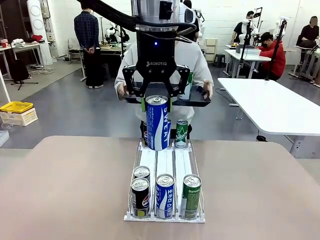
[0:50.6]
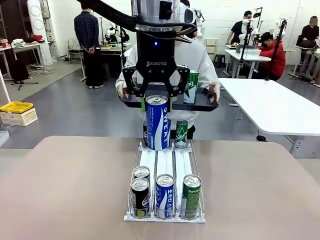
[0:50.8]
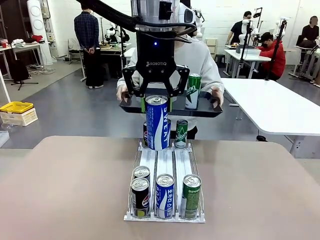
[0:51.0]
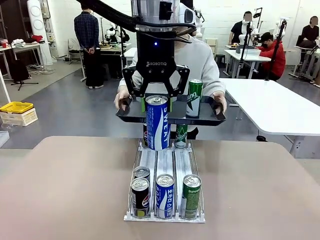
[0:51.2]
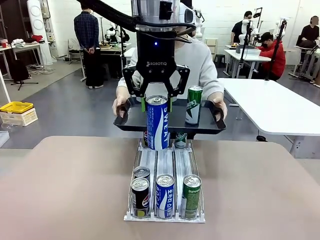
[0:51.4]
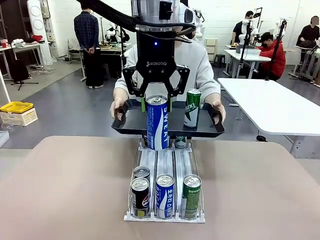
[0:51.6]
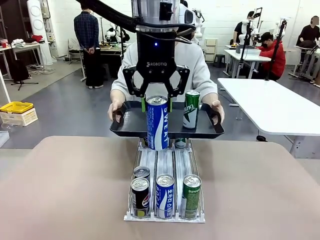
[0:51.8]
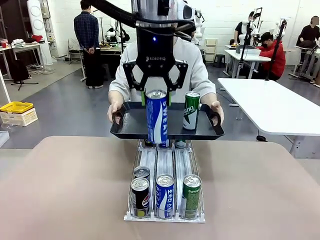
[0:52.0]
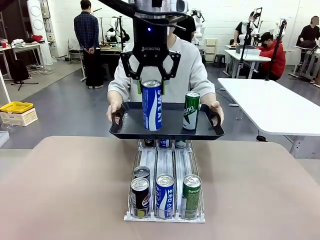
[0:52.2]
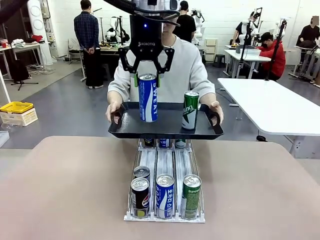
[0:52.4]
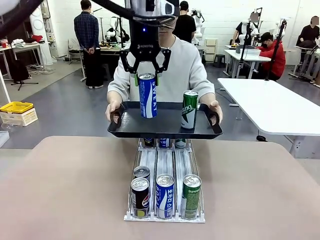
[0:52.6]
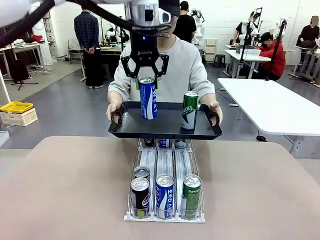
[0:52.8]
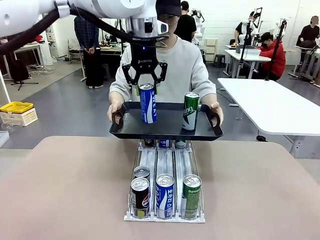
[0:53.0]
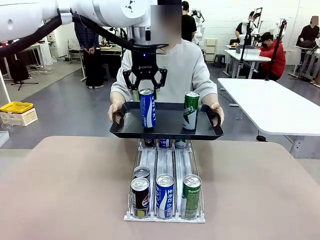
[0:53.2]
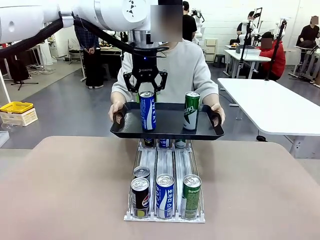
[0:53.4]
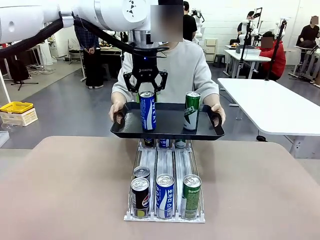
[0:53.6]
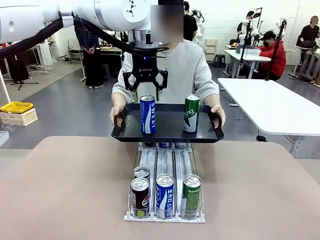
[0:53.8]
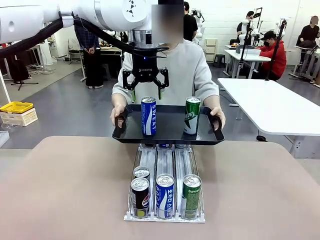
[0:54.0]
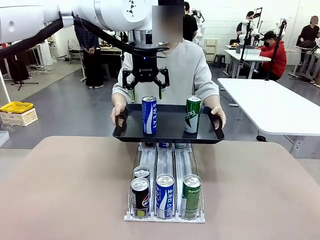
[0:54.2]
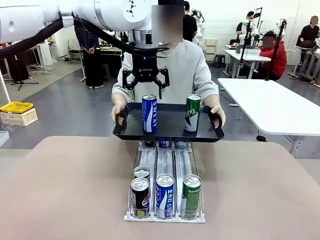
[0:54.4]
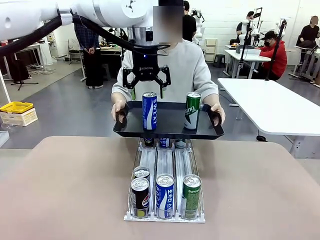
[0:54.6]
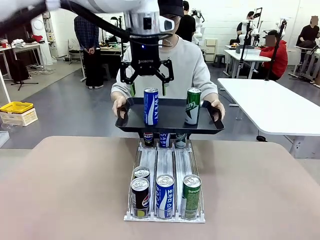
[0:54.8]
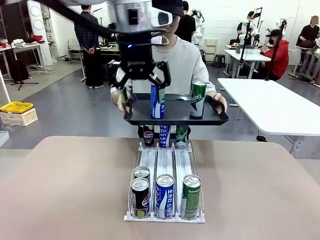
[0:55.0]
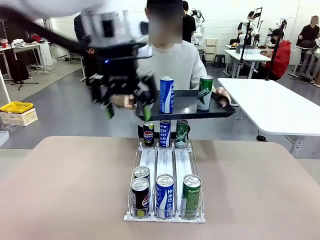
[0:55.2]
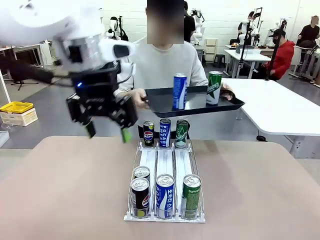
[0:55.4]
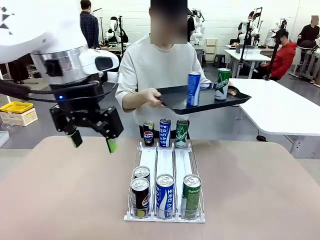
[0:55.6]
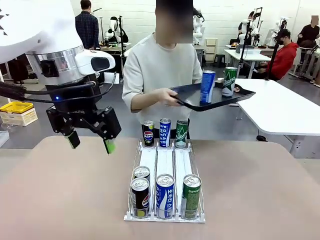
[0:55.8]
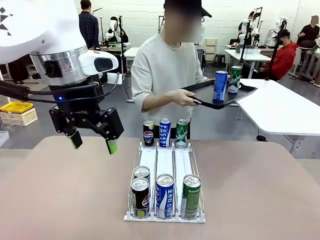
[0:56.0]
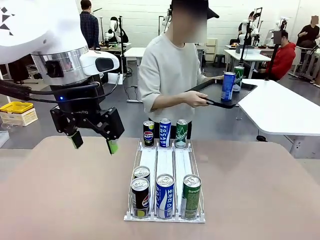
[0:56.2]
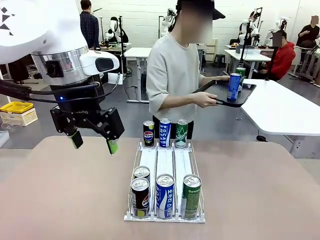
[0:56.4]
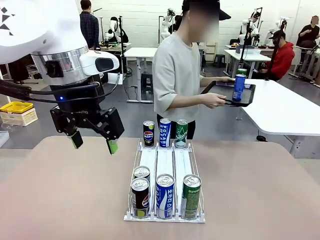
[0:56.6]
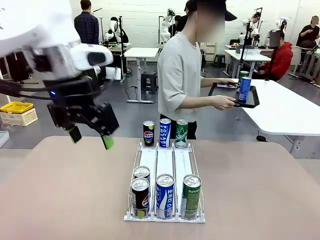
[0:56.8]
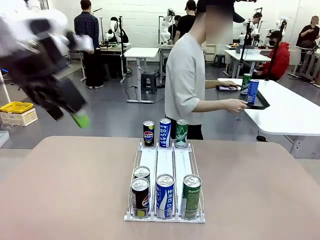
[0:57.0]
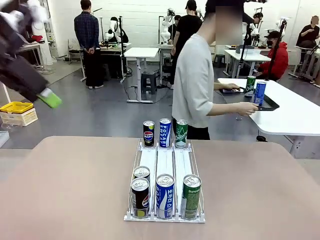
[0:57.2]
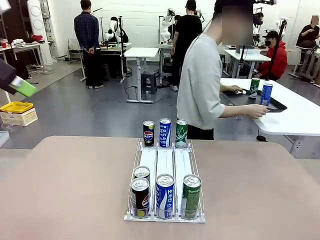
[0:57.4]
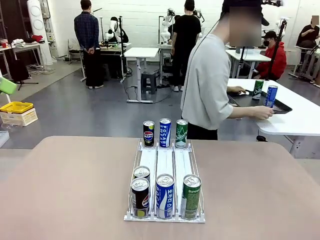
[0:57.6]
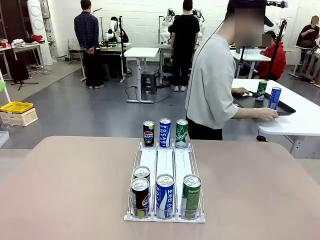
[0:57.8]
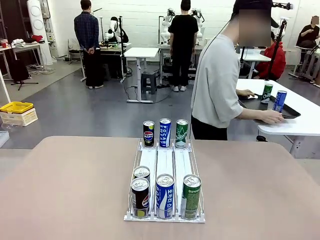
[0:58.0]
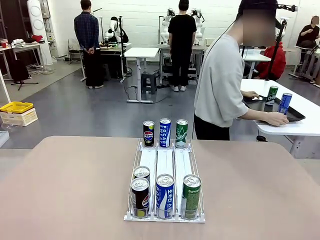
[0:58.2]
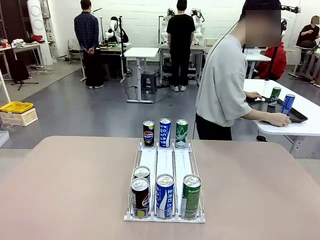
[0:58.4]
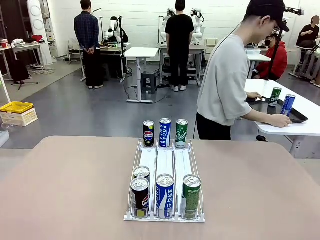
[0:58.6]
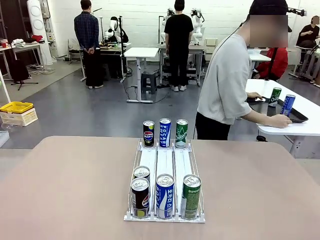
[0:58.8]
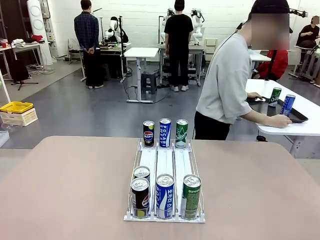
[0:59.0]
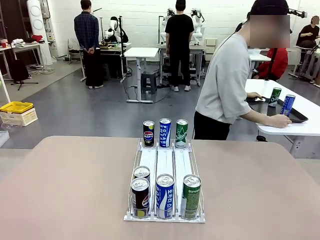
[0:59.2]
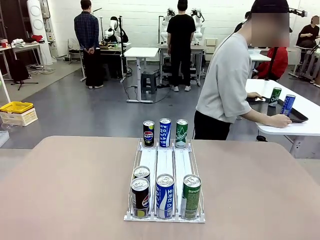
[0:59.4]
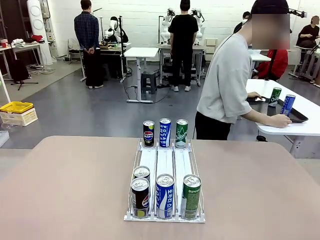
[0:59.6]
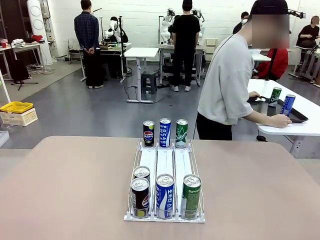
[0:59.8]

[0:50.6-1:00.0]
Task: Retrieve and hand over the desired beverage to the person.
Robot: Place the picked can on the Handle tray extended by the person.
Person: Pull the tray back and place it at the center of the human table.

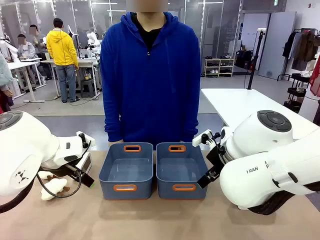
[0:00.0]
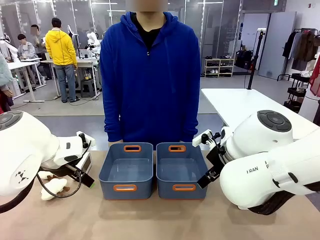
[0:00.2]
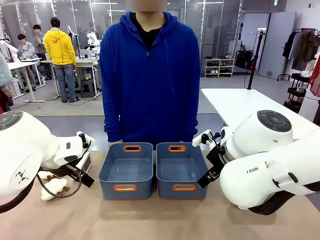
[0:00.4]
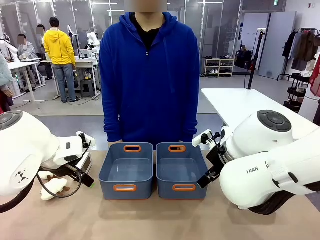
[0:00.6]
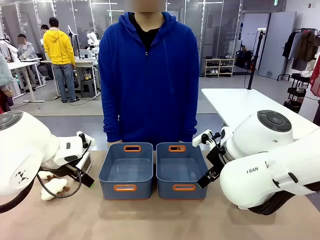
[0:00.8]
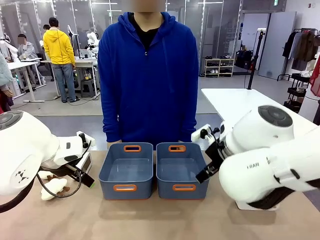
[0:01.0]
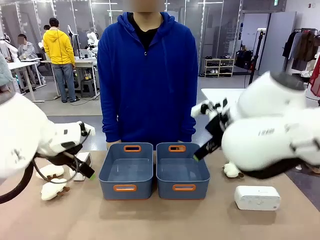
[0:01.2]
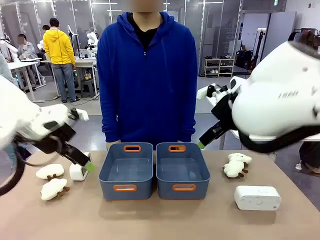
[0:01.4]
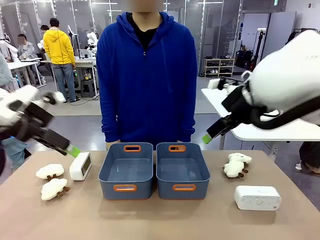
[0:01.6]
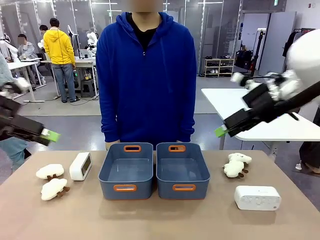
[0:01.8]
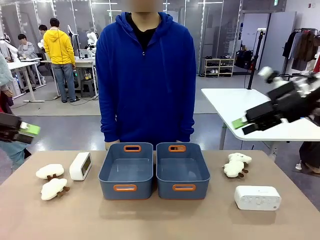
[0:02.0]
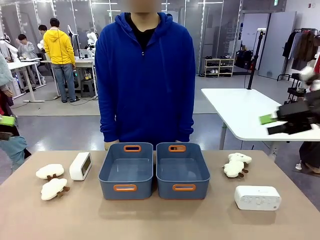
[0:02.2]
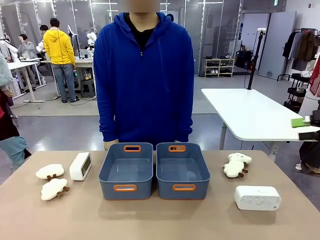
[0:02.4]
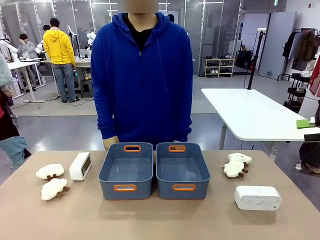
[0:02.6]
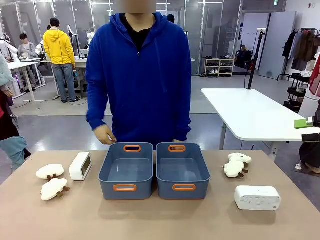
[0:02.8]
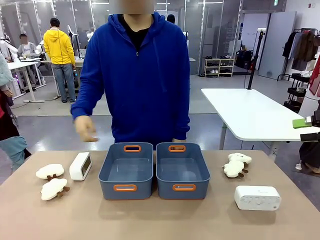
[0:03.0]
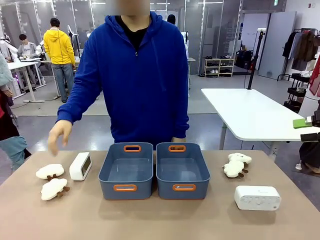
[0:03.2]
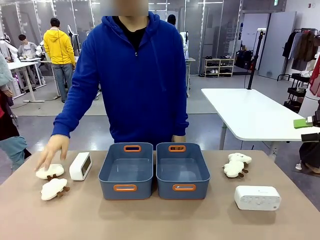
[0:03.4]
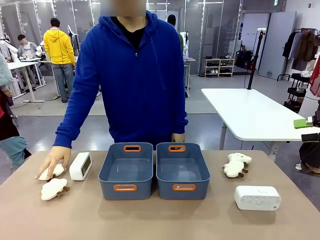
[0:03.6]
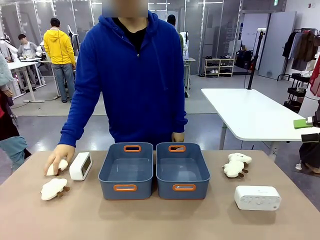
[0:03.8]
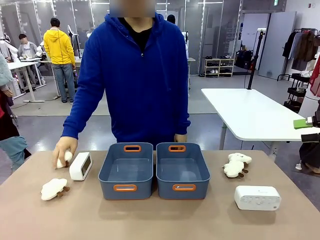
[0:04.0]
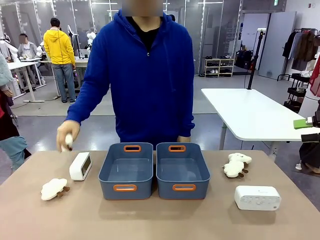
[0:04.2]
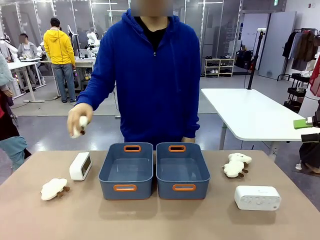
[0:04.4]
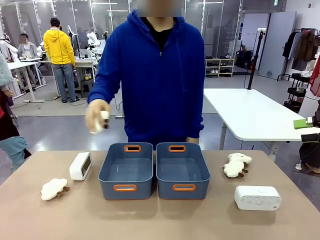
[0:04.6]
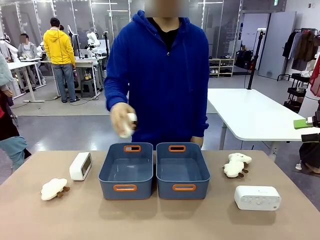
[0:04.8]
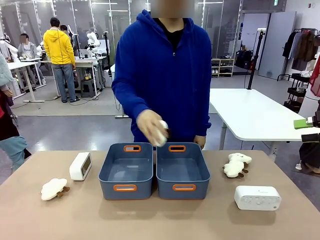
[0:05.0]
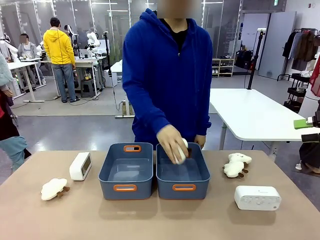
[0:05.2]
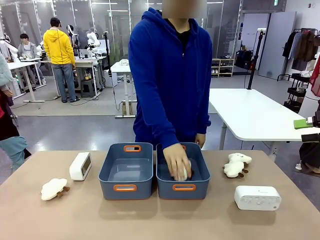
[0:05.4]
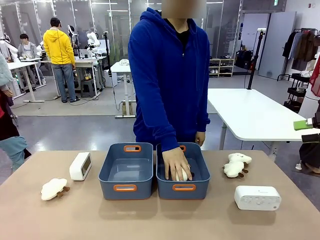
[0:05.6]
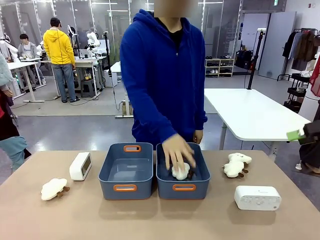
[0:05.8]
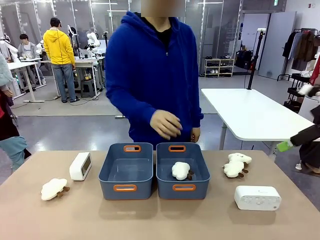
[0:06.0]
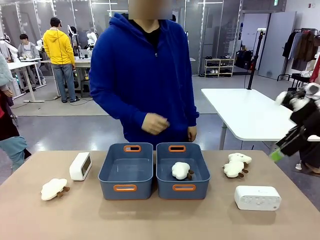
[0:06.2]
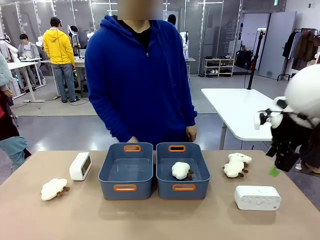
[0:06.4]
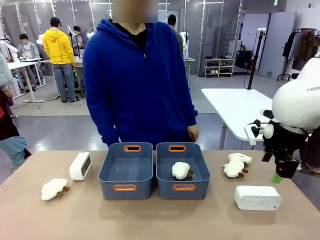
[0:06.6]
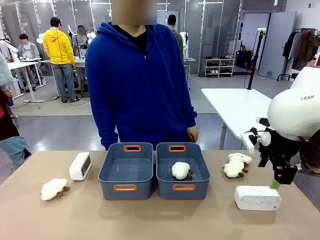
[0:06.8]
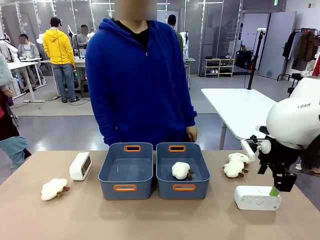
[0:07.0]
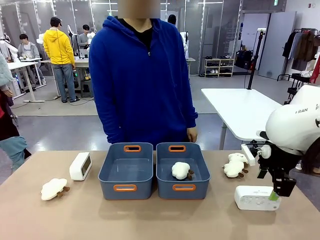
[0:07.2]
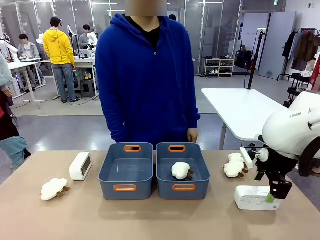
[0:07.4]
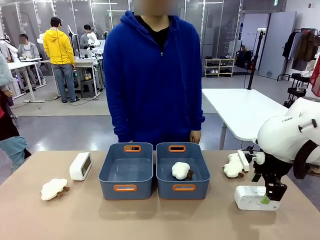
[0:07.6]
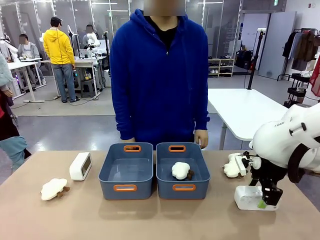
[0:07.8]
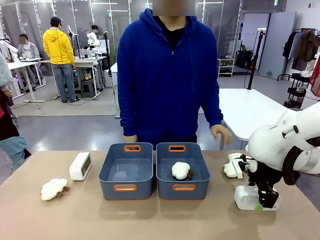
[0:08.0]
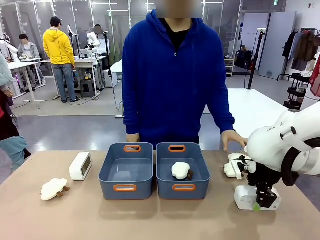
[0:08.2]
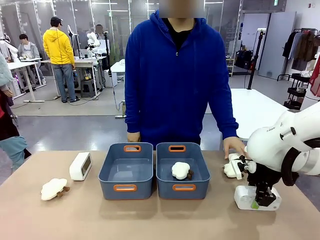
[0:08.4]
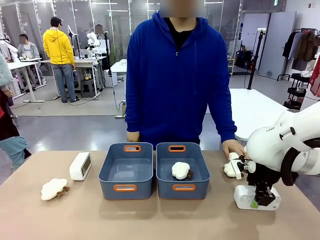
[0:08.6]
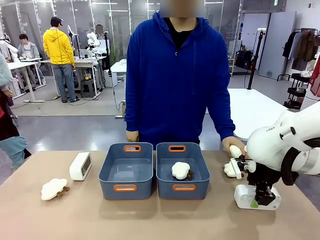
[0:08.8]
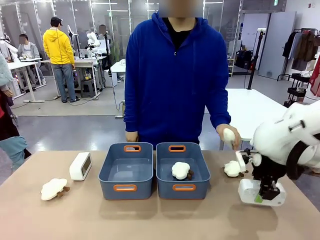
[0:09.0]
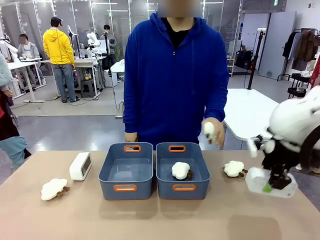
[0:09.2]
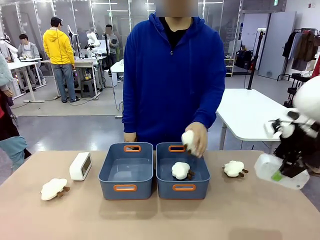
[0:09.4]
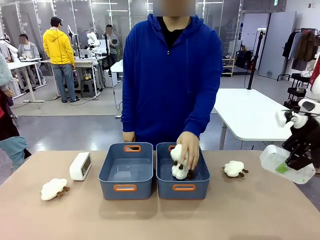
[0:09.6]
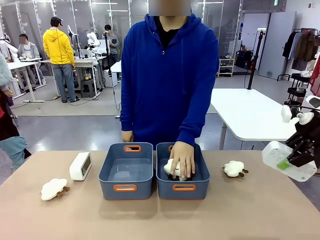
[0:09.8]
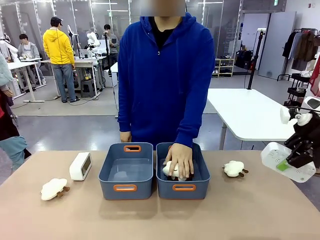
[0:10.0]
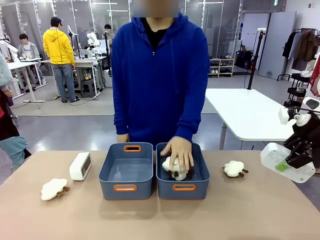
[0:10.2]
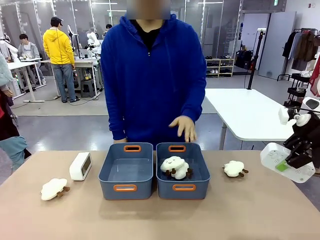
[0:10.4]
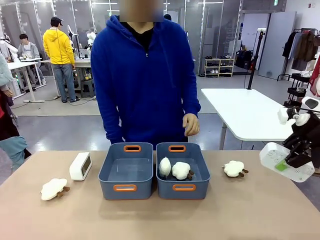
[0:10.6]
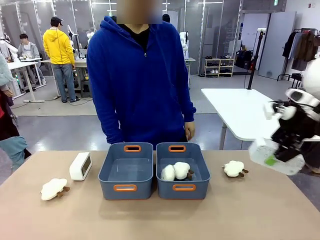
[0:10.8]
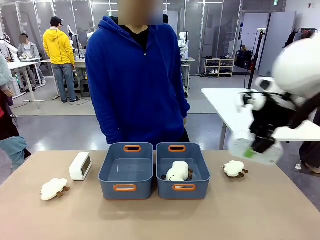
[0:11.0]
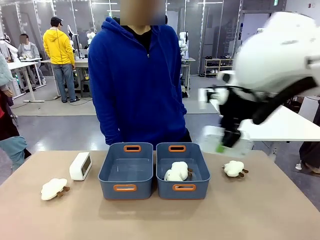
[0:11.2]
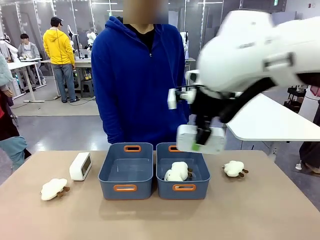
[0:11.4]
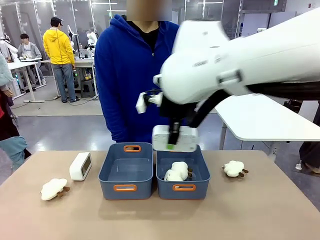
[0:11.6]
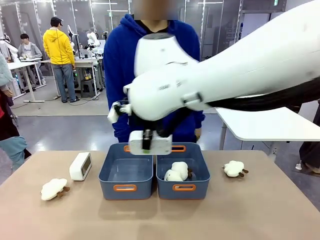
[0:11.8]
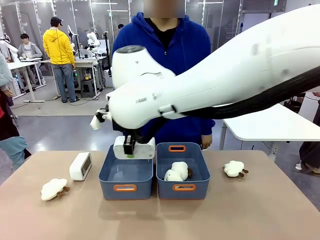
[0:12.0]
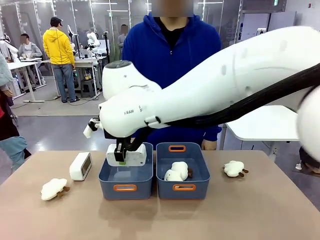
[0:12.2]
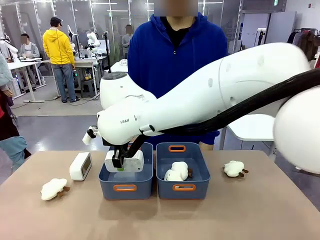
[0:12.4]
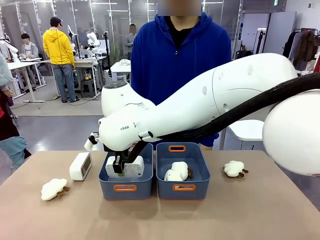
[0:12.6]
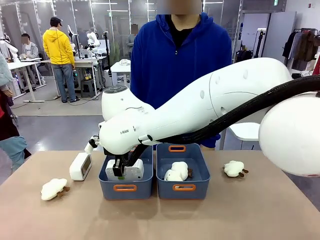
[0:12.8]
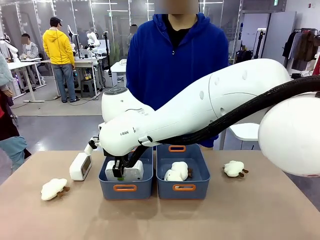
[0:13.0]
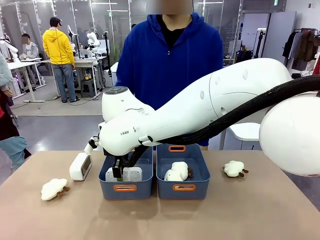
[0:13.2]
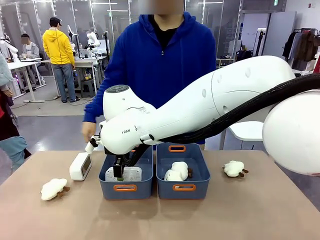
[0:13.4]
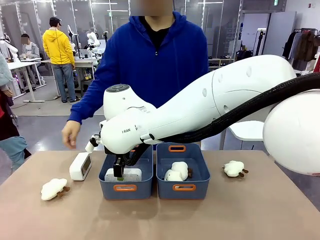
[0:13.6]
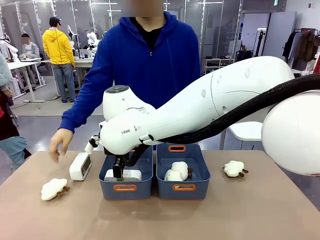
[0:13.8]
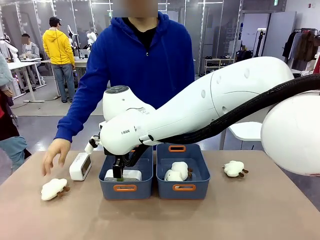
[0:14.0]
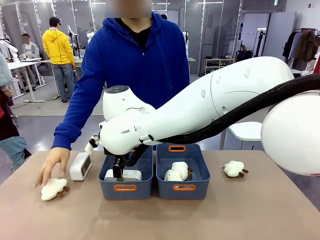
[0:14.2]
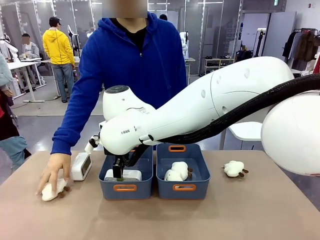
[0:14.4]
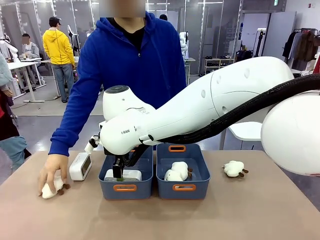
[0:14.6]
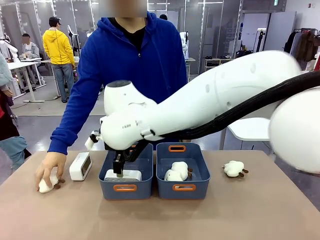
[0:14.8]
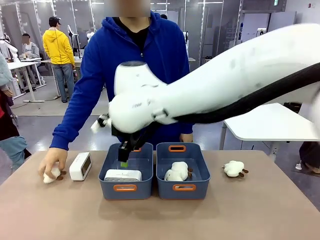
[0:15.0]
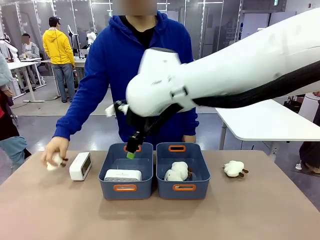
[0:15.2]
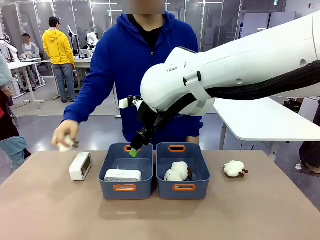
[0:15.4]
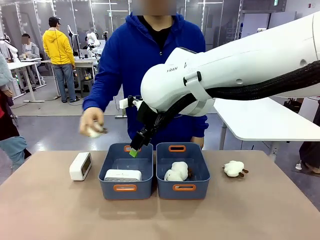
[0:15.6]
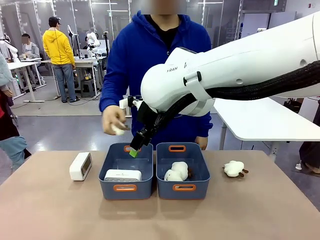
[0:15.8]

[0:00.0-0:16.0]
Task: Sort the digital clocks into the basket.
Robot: Pick up the Digital clock from the table and place it into the empty Plastic storage basket.
Person: Pick up a plush toy from the table and place it in a plastic storage basket.
